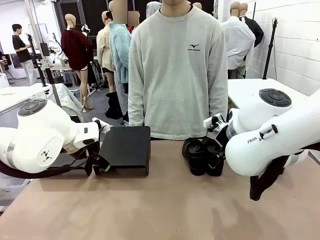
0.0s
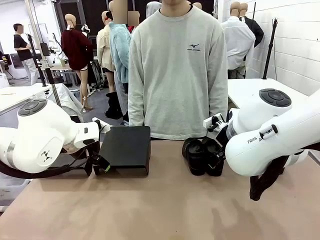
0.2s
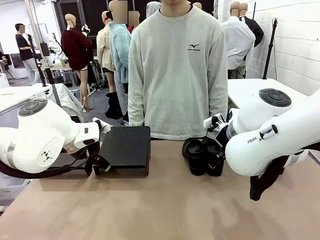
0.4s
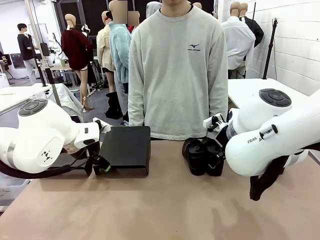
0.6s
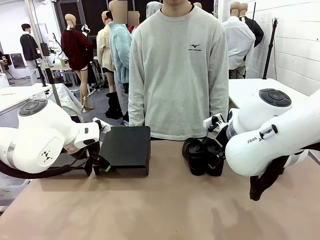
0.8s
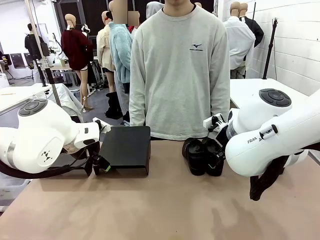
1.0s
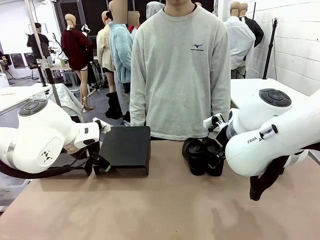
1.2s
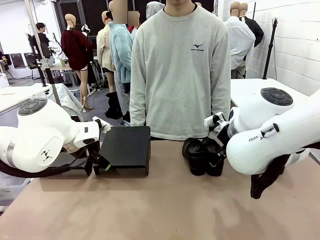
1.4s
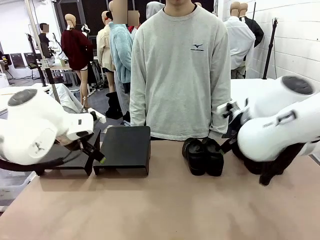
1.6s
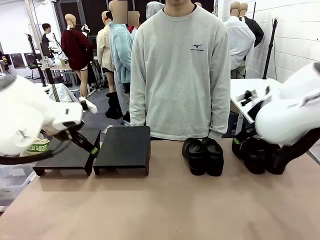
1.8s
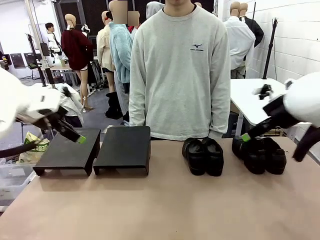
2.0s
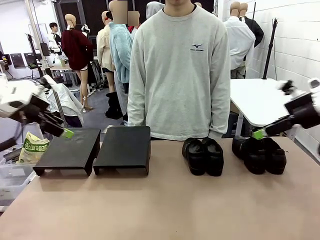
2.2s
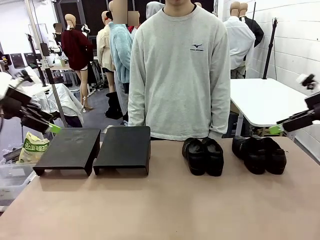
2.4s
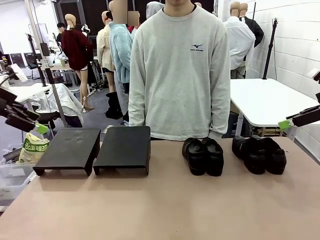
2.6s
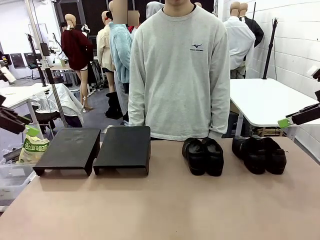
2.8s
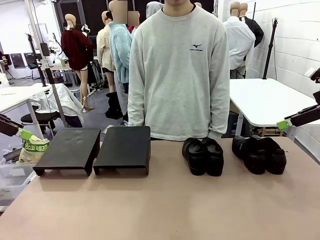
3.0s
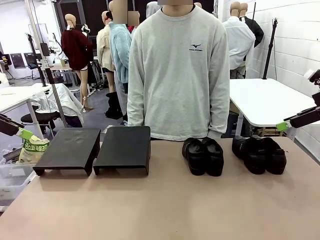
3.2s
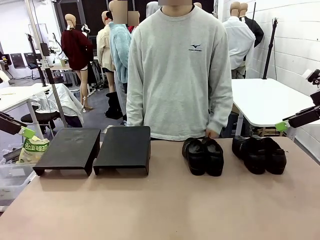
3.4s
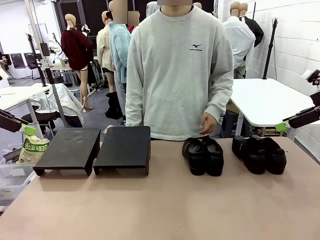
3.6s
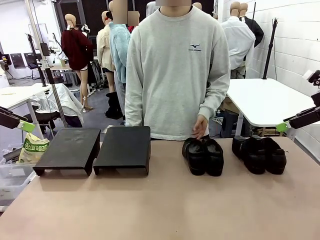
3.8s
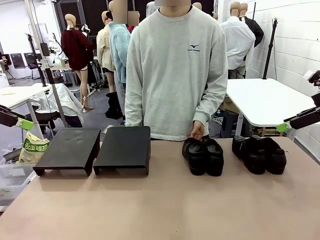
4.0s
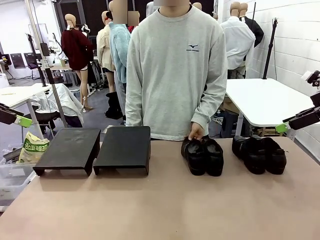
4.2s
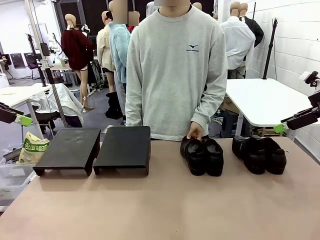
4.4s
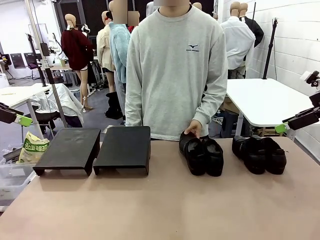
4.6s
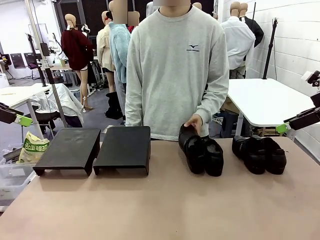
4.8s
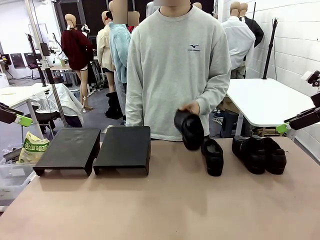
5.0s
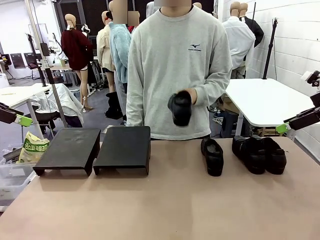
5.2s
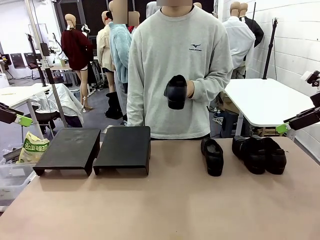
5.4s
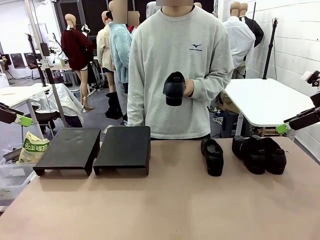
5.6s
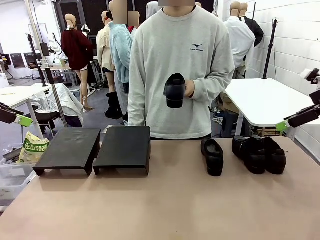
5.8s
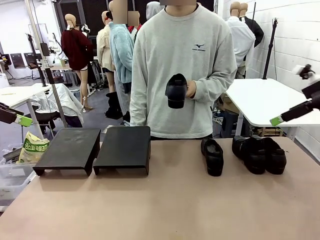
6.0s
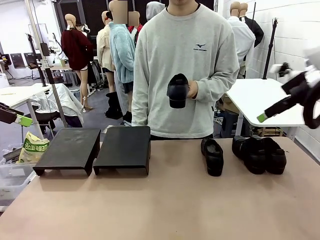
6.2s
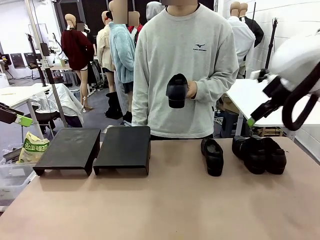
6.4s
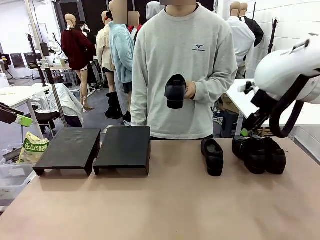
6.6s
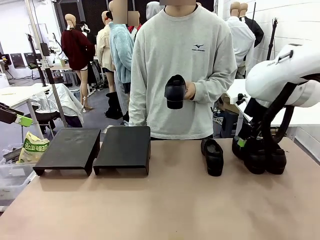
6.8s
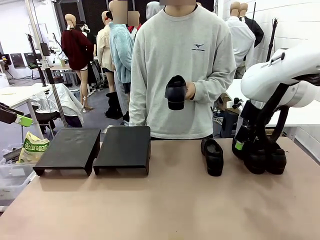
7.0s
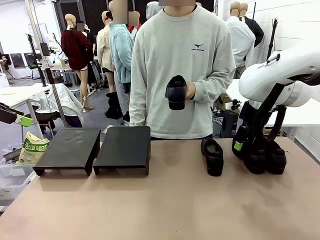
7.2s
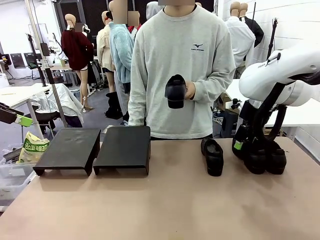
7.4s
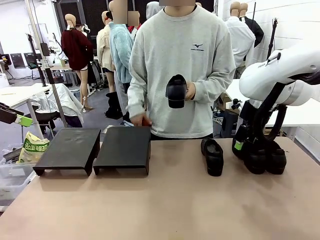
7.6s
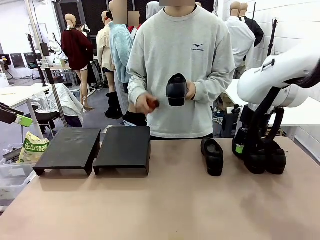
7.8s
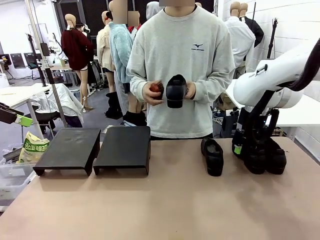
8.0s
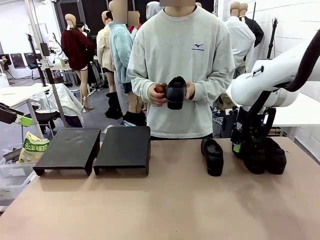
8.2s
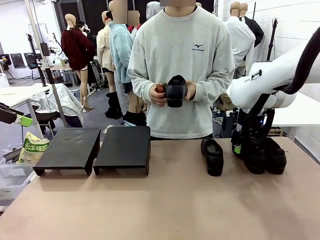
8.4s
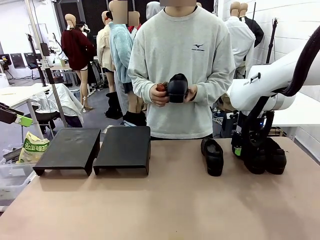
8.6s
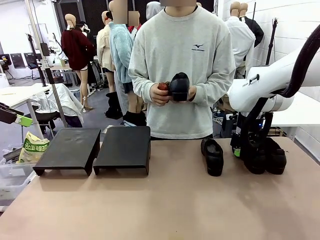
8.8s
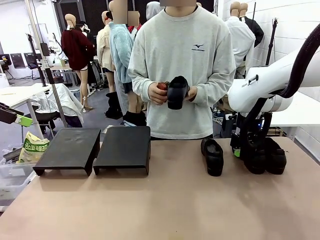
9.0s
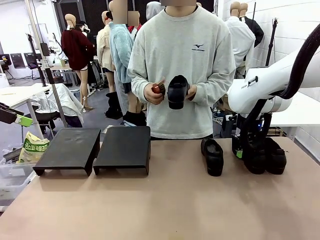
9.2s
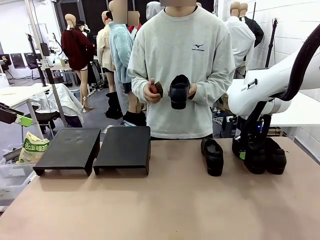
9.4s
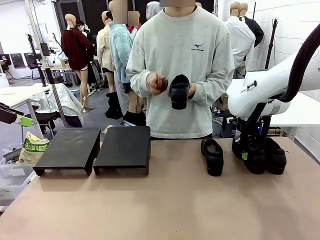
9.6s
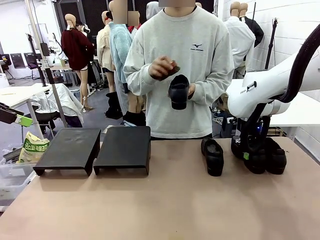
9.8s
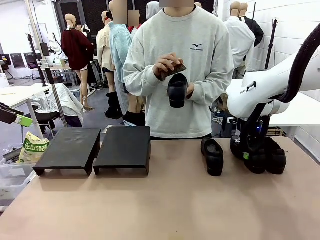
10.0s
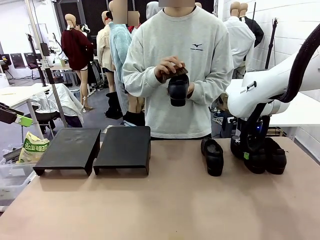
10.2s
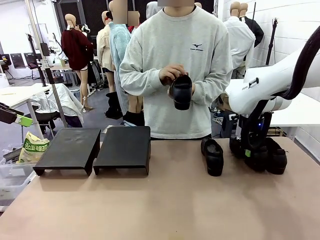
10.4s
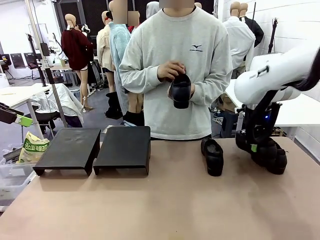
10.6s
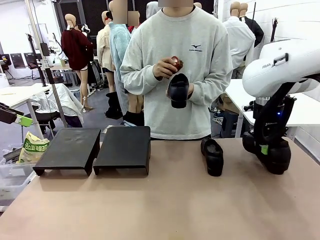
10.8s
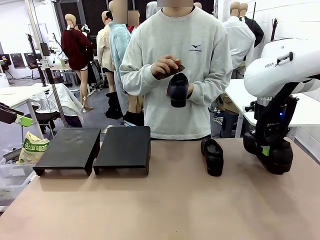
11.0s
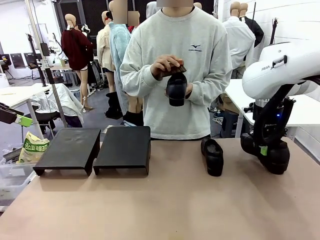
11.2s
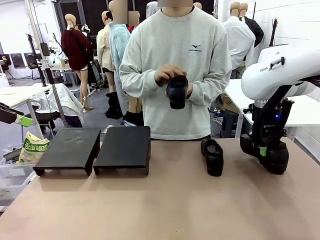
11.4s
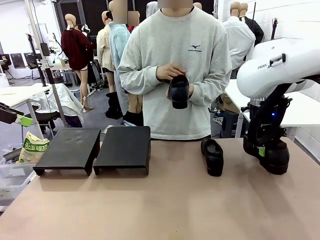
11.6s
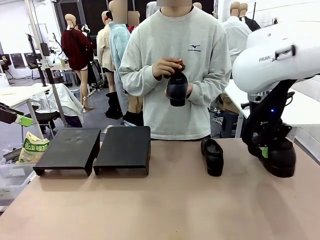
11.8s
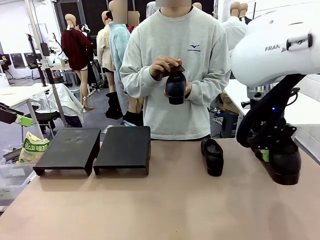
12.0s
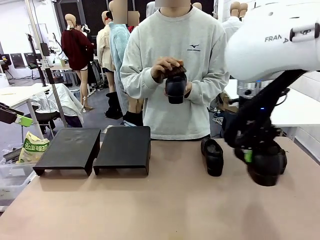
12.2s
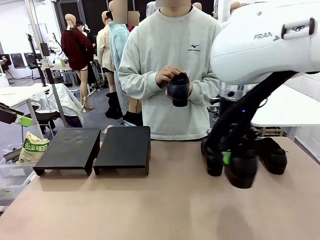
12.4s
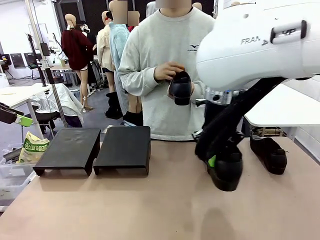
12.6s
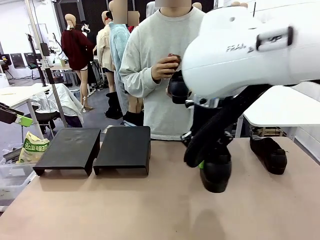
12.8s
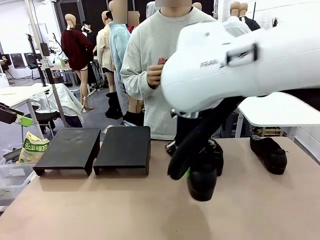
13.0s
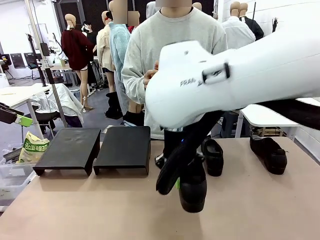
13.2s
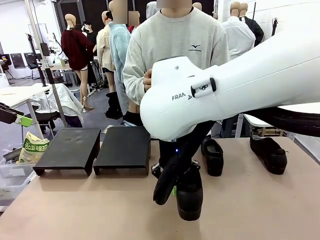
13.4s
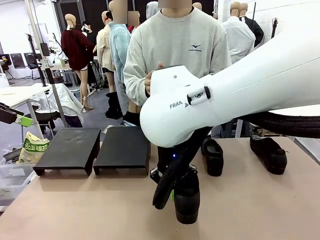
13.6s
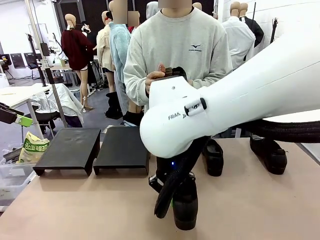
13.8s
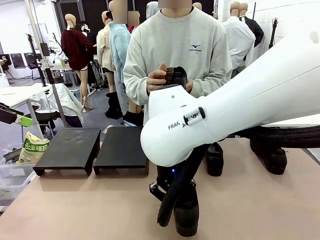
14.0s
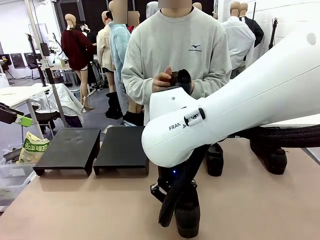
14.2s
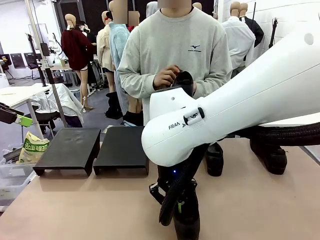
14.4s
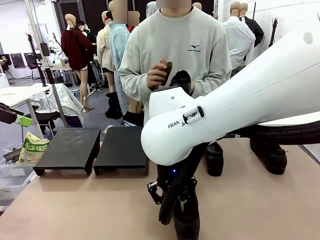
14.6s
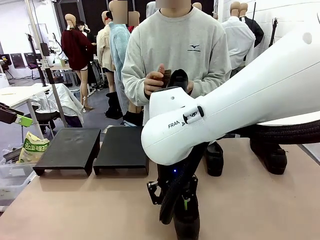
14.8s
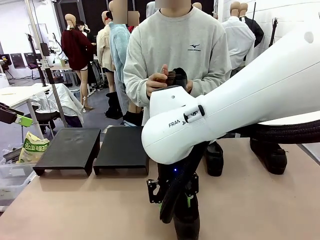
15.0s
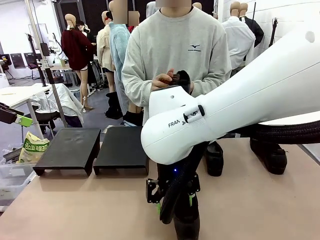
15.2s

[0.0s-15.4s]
Task: Organize the shoes by placing them on the stand.
Robot: Pick up one Shoe and place it in the middle of the table.
Person: Pick one Shoe on Robot's table.
